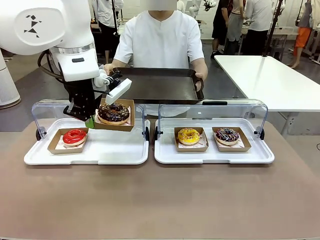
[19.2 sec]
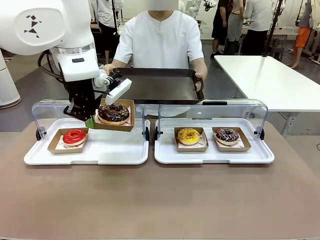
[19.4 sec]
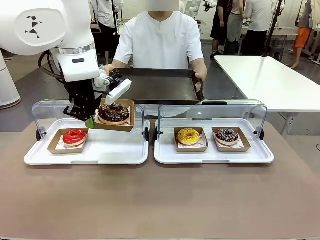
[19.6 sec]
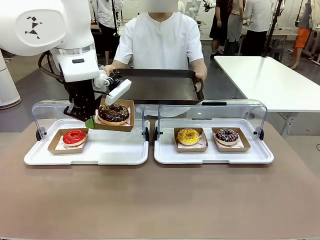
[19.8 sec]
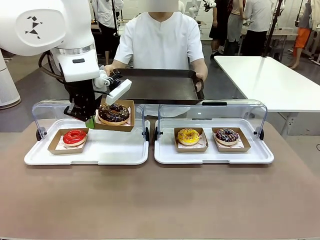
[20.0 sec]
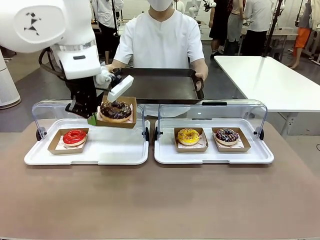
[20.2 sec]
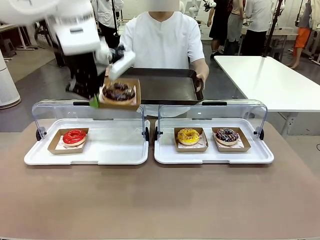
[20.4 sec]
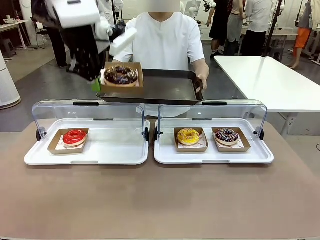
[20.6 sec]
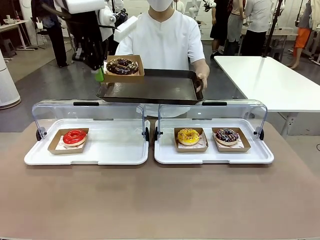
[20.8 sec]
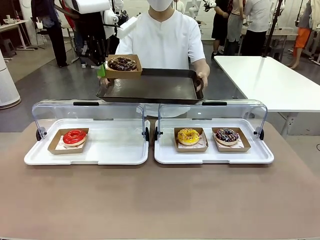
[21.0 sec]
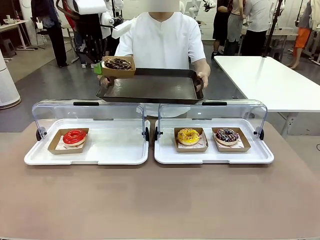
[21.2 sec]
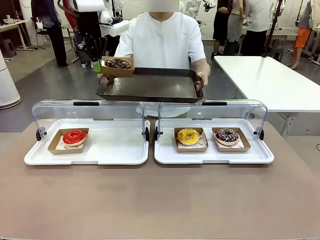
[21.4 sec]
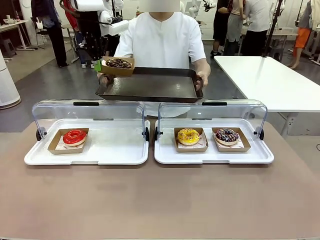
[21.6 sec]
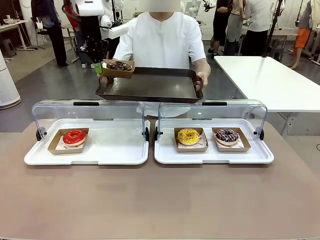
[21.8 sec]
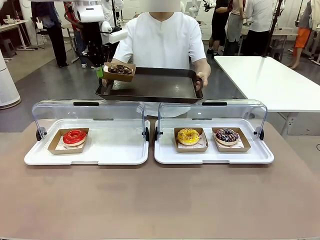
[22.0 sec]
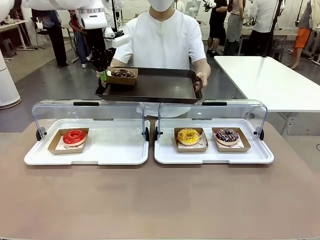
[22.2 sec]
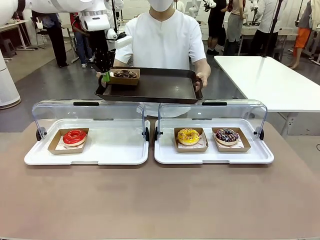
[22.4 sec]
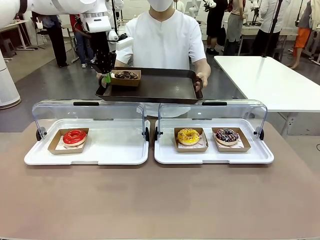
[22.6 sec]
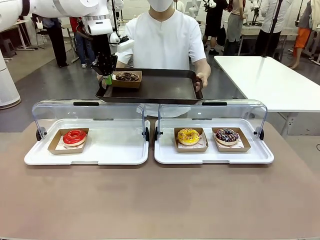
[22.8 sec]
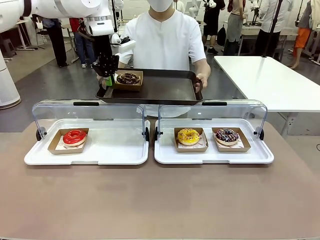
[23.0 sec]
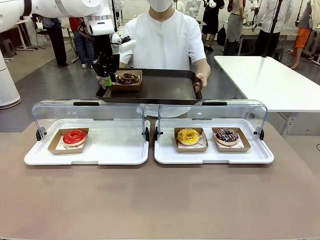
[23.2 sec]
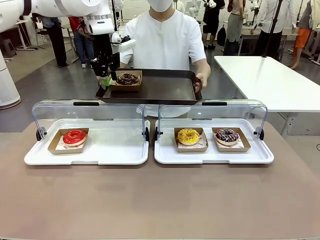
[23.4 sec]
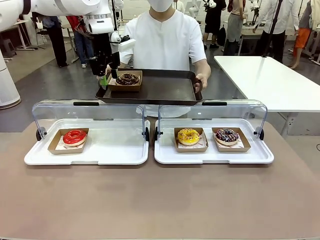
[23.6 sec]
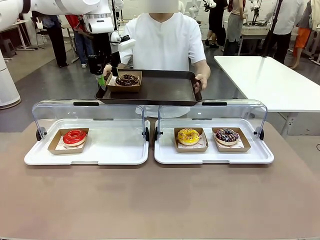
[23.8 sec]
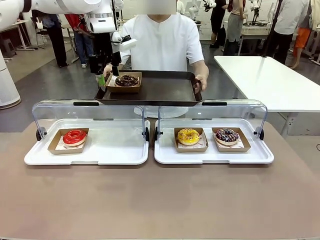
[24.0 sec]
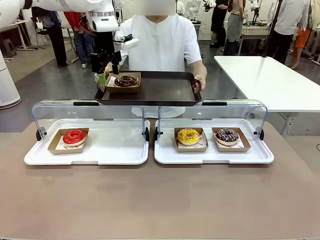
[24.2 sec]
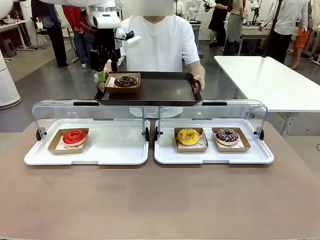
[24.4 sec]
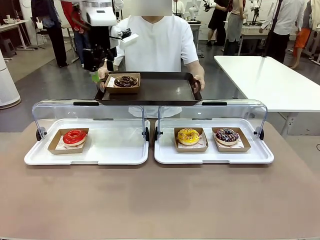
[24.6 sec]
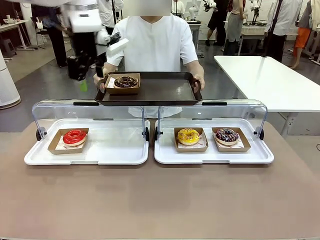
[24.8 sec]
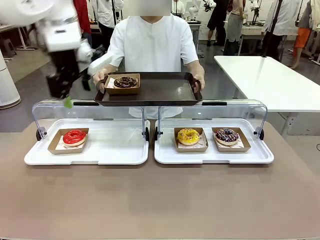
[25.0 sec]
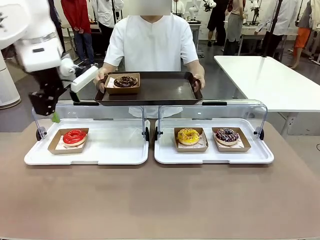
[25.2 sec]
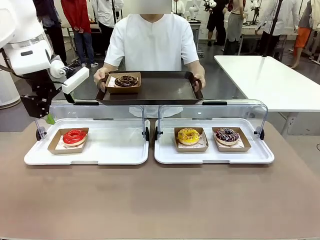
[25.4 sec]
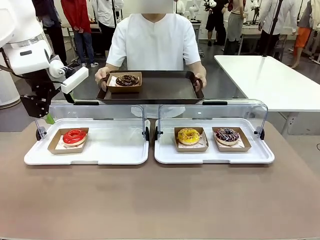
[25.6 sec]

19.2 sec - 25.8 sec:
Task: Provide the desired donut to the person.
Robot: Place the picked Paper togo box onto the Handle tray extended by the person.

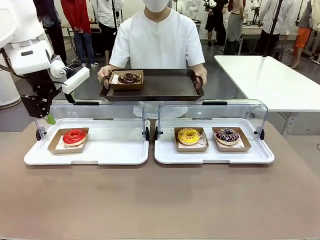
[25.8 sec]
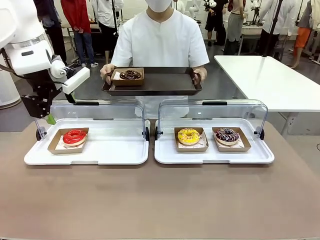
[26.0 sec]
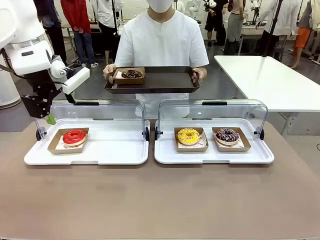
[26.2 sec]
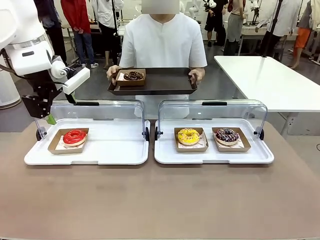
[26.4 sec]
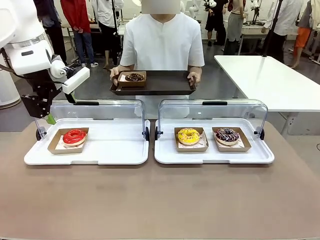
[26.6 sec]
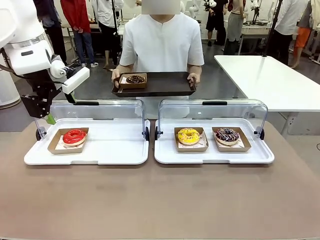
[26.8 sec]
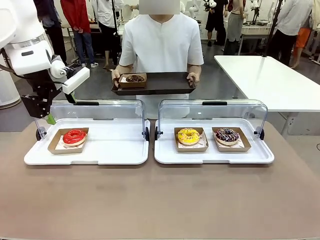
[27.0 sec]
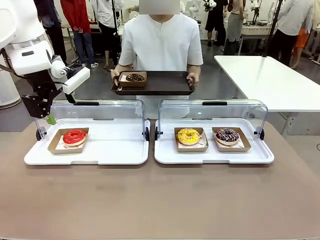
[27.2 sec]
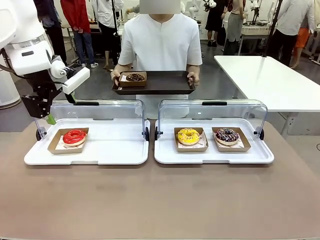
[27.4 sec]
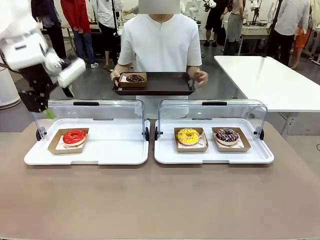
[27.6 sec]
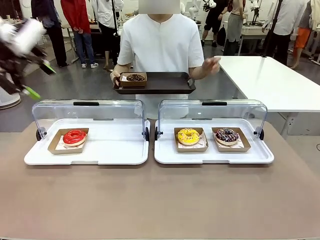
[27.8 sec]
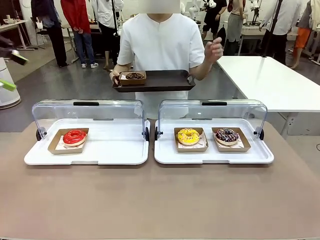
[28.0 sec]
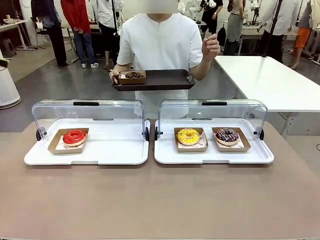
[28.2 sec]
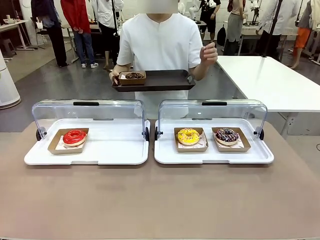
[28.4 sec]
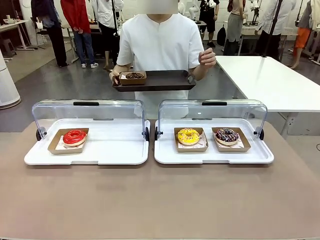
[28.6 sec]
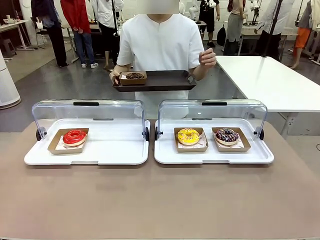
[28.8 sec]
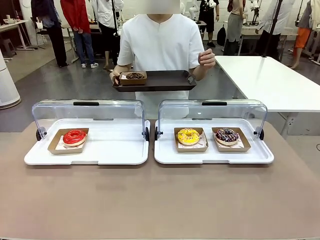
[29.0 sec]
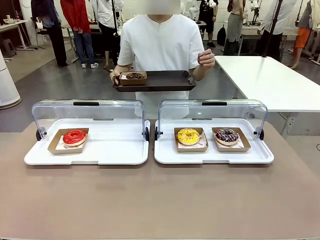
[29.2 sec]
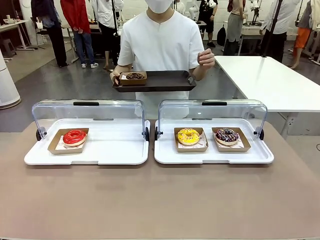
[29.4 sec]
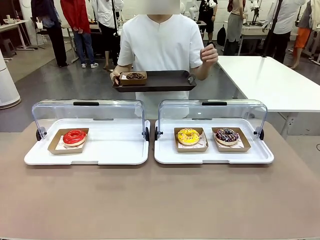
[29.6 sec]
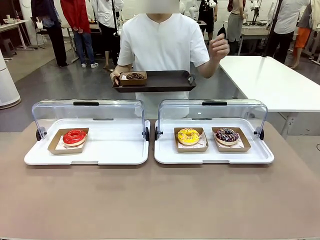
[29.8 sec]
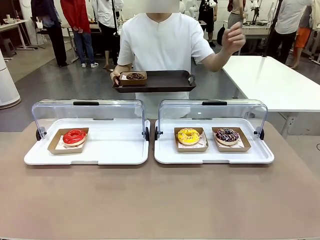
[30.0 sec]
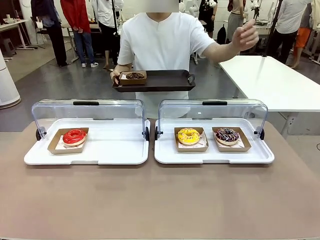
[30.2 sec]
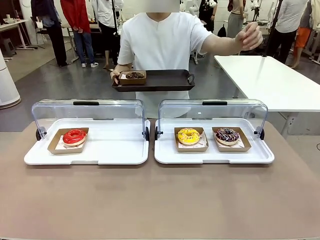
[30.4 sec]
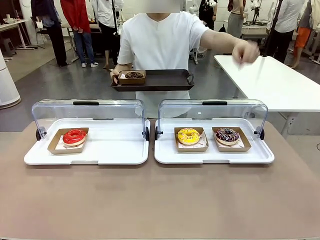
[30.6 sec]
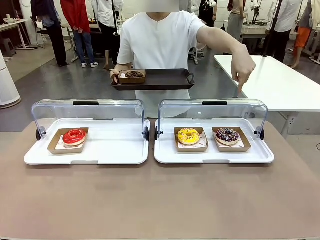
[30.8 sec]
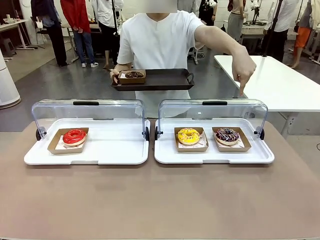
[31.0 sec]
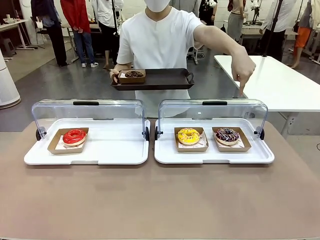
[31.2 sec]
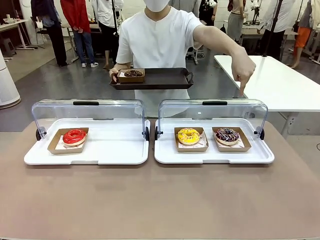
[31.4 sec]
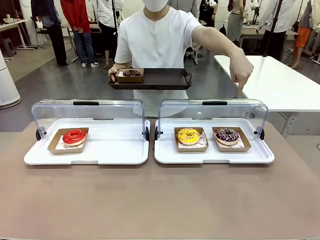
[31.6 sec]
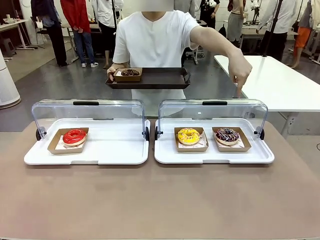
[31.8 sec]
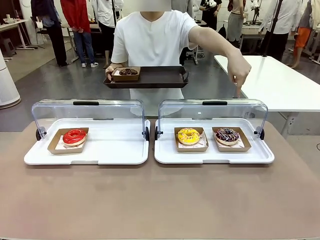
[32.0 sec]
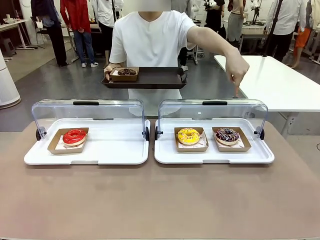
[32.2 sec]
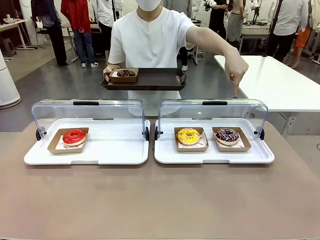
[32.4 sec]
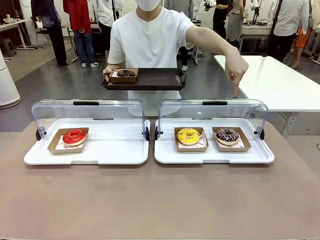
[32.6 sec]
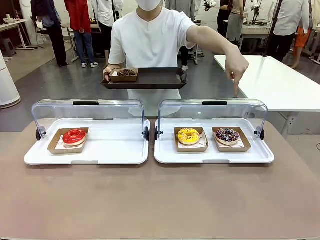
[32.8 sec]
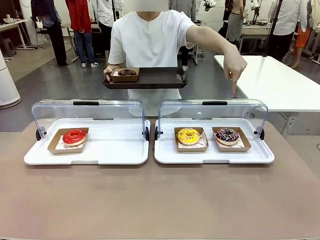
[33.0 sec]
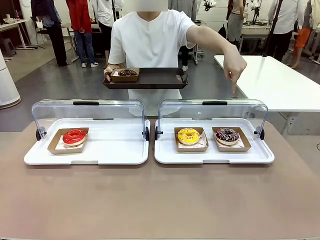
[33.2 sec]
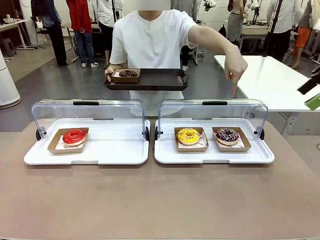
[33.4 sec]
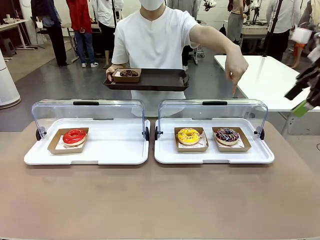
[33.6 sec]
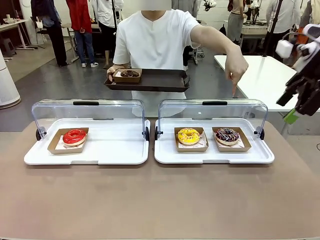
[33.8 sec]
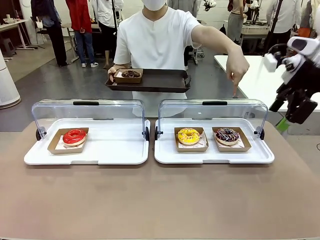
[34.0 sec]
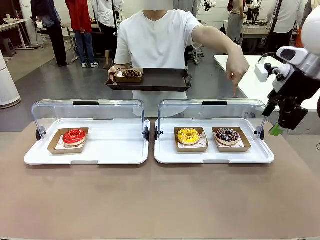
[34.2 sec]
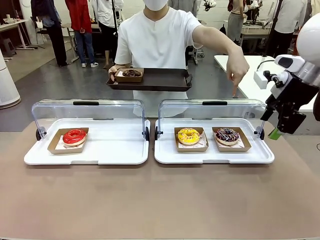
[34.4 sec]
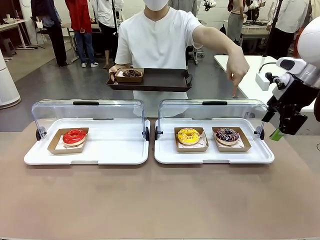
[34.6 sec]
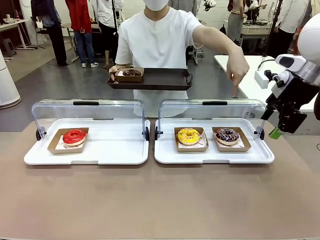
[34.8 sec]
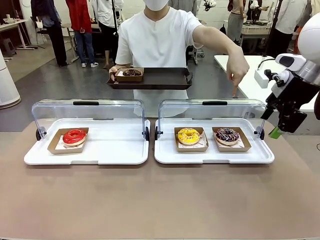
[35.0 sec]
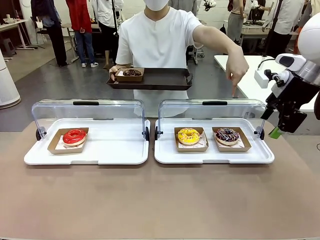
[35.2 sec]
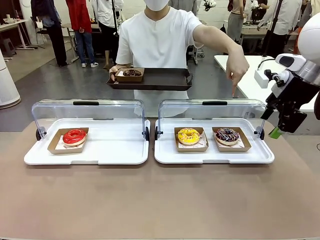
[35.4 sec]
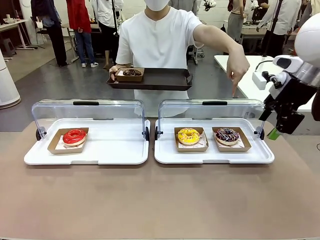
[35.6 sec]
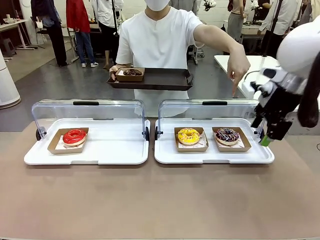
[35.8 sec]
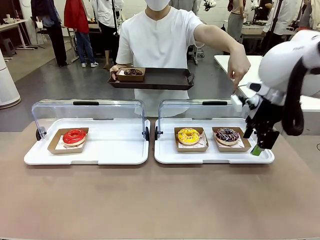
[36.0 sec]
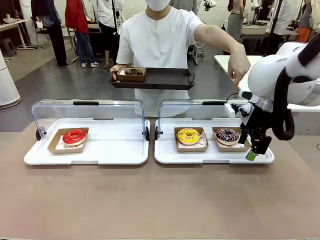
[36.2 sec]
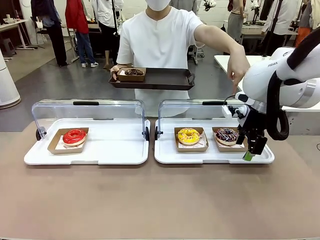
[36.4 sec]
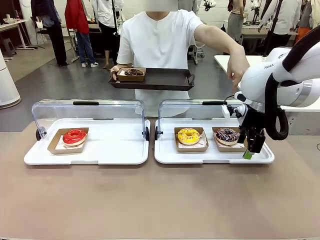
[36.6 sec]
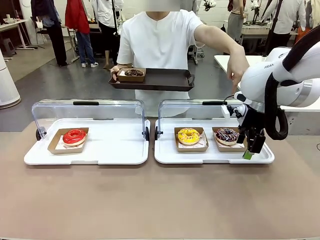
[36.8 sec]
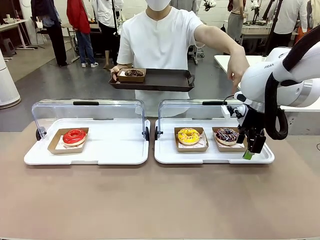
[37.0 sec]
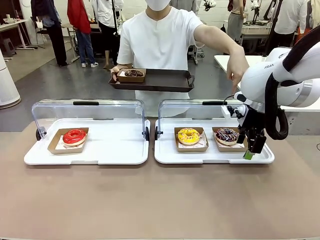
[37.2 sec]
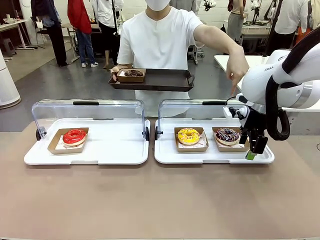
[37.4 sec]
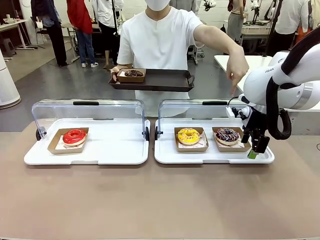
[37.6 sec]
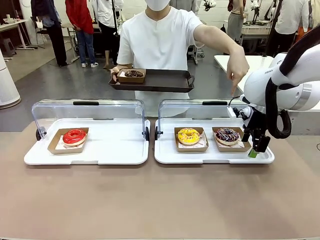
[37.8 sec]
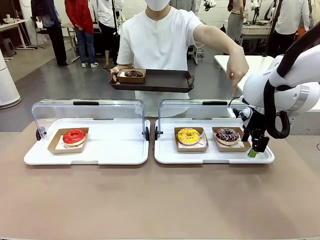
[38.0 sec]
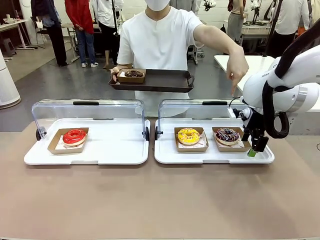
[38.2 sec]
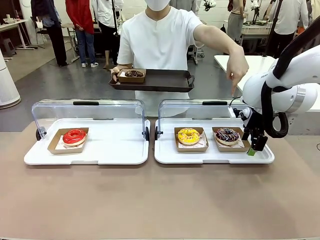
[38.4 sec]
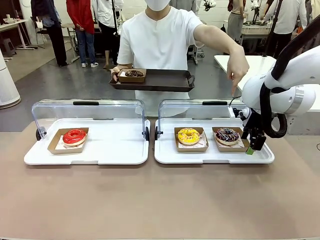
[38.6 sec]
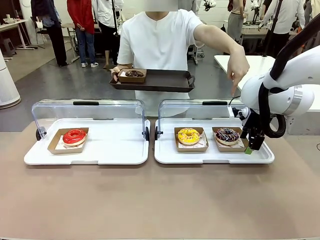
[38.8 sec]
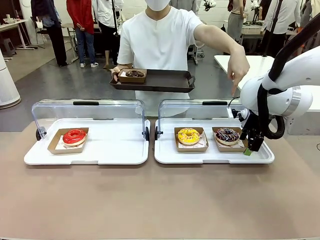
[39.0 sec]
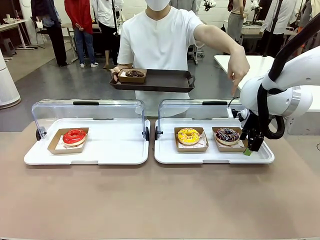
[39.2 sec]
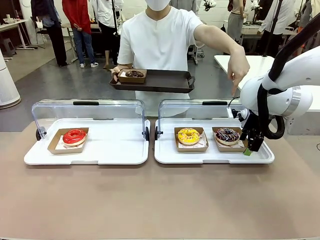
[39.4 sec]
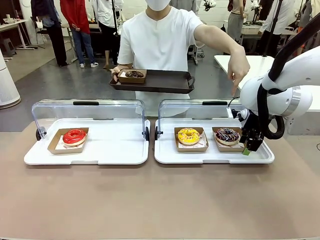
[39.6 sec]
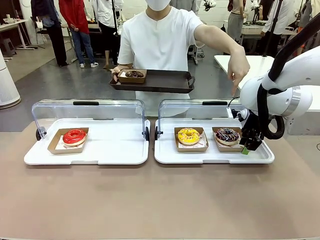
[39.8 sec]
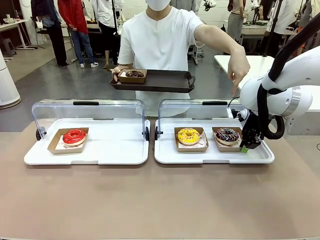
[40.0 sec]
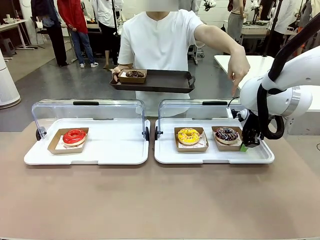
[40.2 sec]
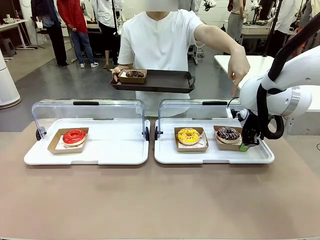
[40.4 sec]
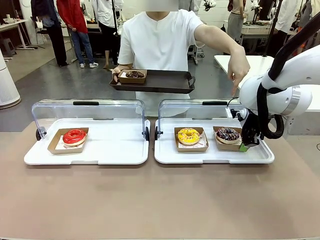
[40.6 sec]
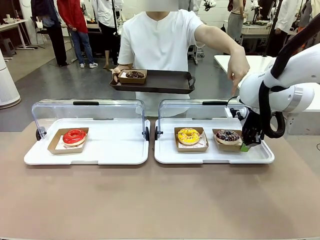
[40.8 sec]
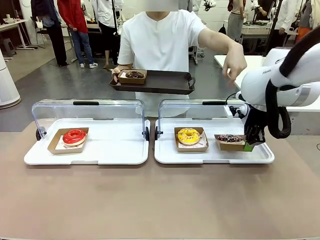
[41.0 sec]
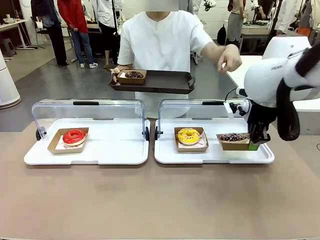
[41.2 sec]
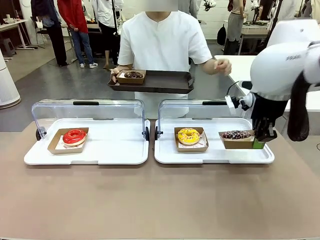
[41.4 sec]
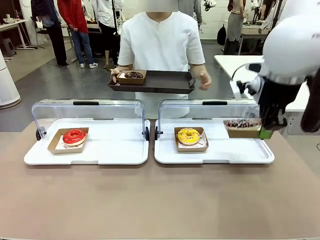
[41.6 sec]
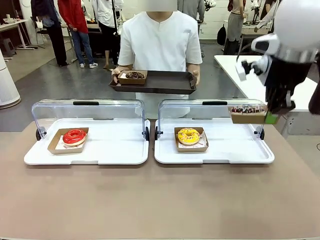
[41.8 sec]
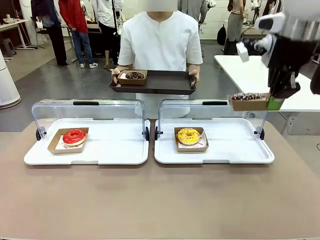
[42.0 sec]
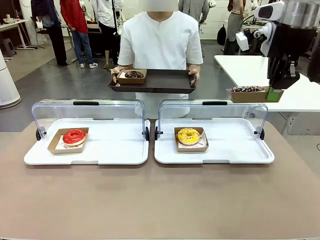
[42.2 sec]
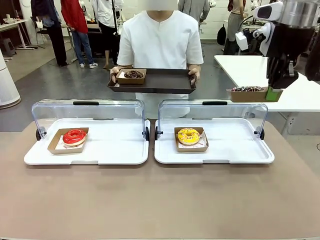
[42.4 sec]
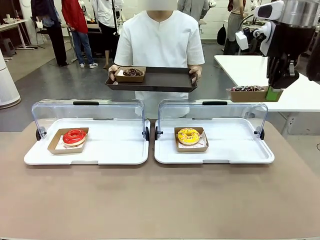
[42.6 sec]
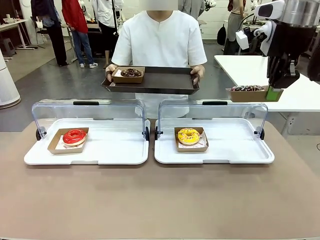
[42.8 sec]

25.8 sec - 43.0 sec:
Robot: Pick up and lift the Paper togo box containing the Donut pointed at by the person.
Person: Point to one donut. Lift the tray onto the Roll-Top Bakery Case.
